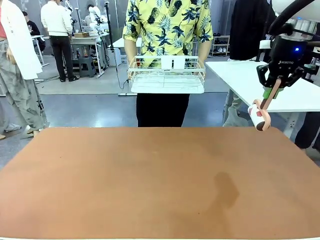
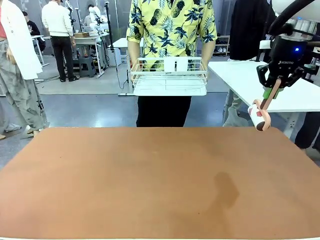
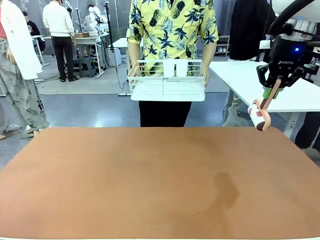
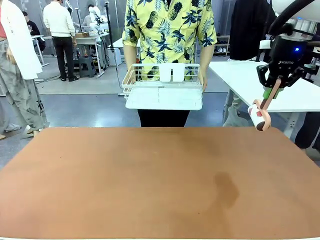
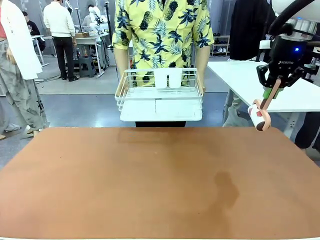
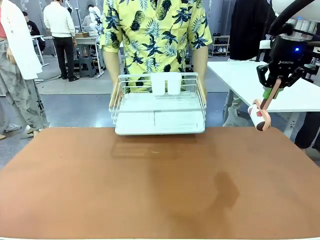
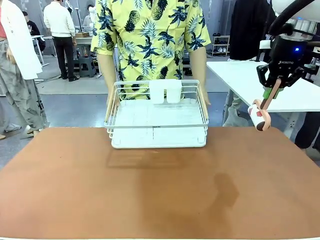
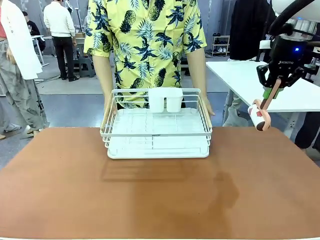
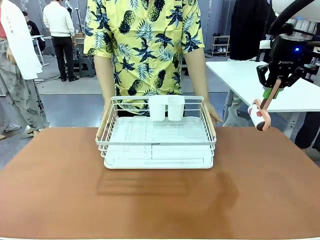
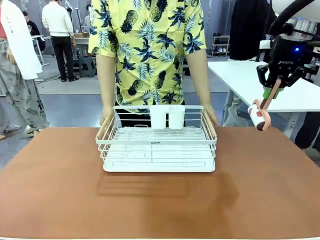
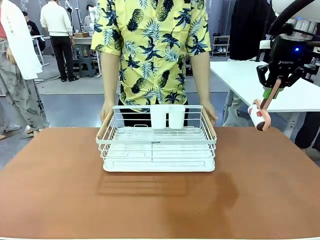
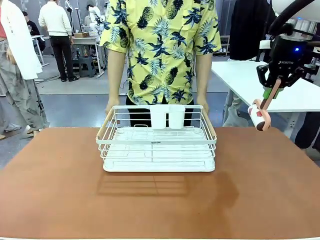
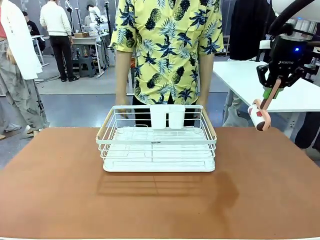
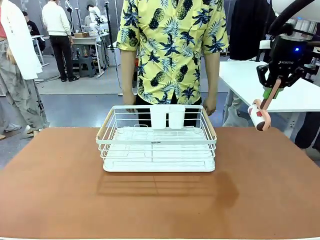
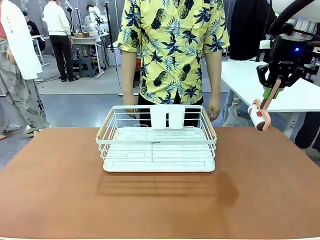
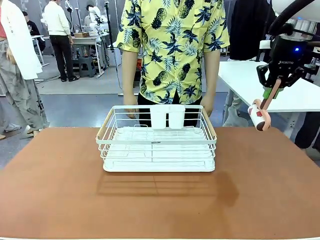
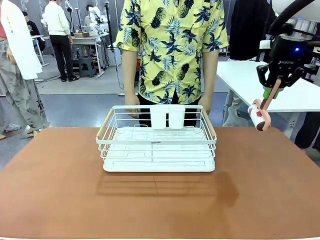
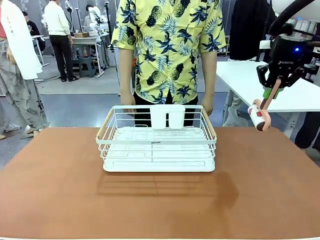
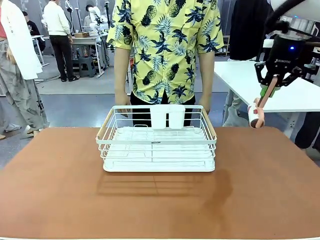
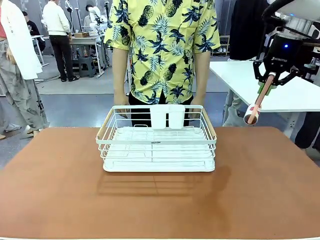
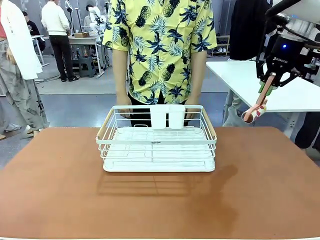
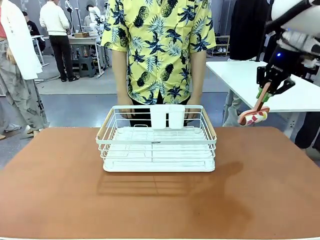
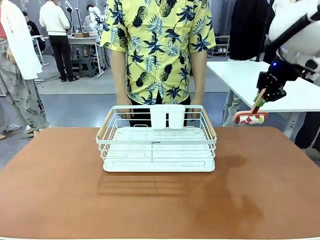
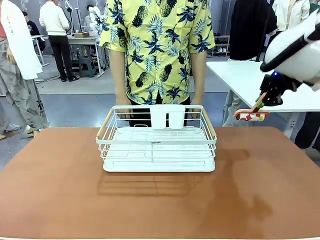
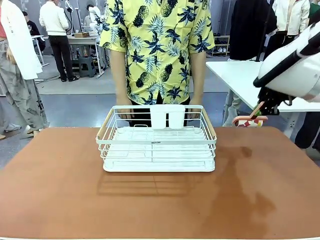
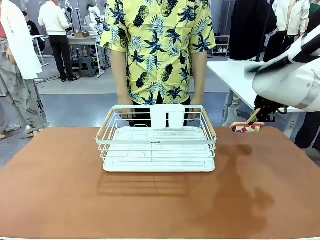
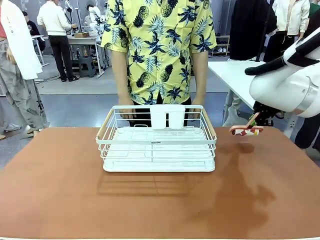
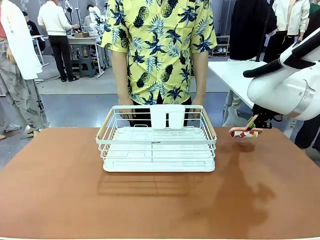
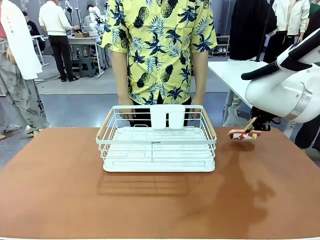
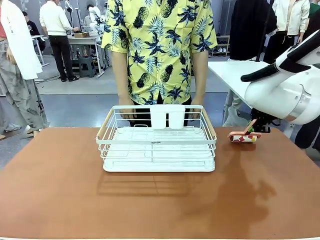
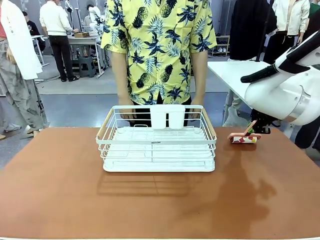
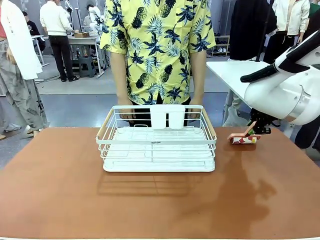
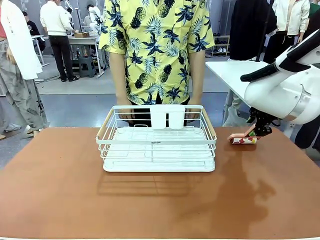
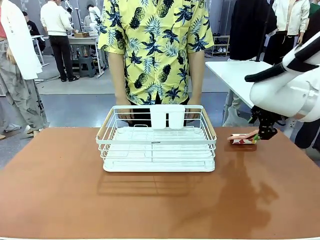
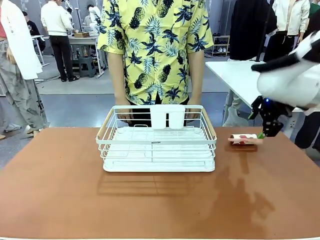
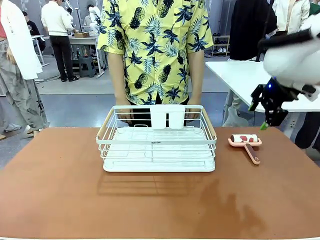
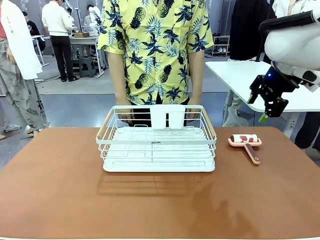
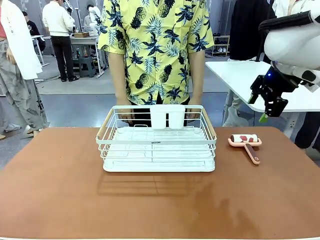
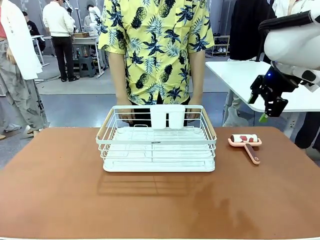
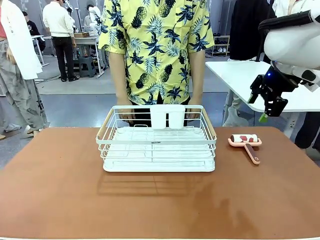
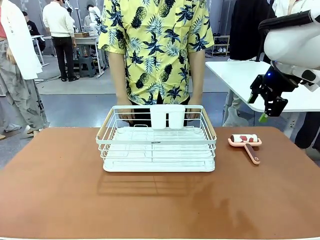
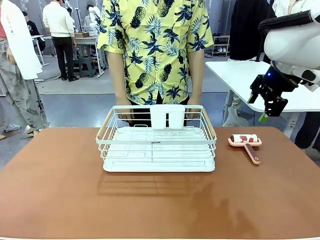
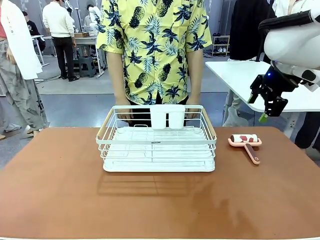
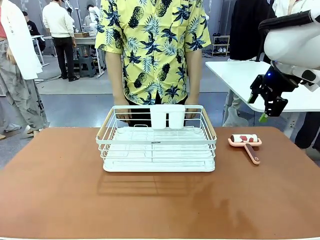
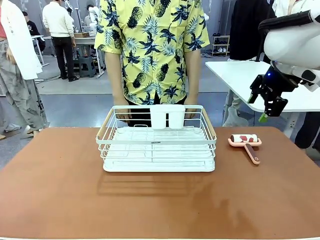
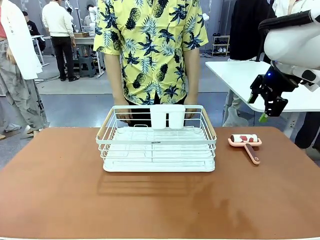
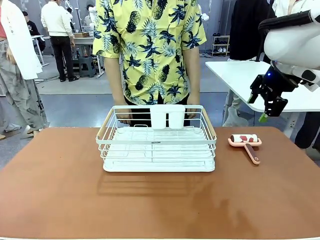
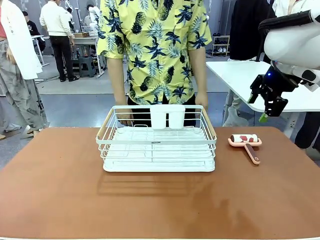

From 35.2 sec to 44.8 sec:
Task: Clean the table.
Robot: Place the Lint Roller down when the Dish drying rack is positioned in the middle of the table.

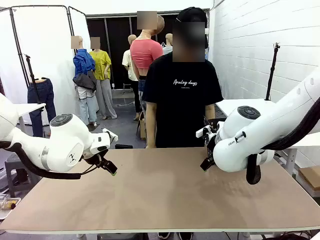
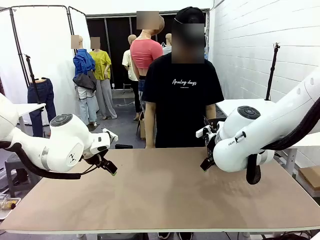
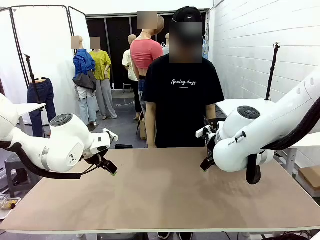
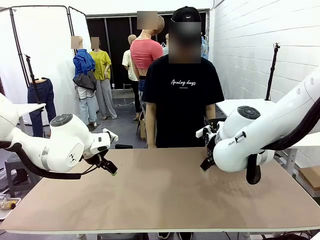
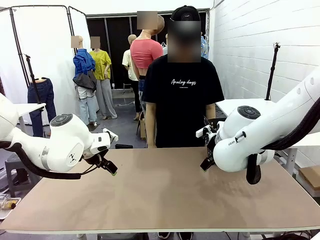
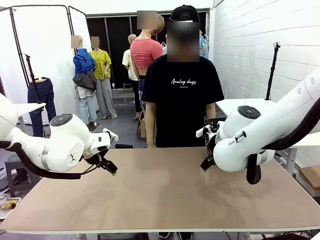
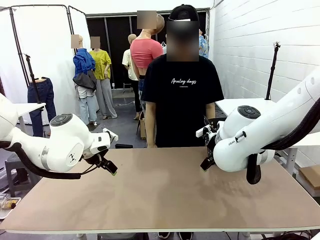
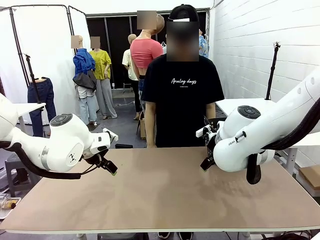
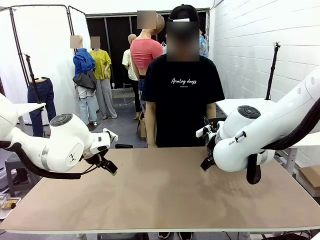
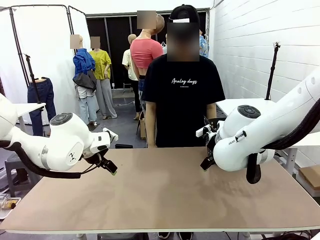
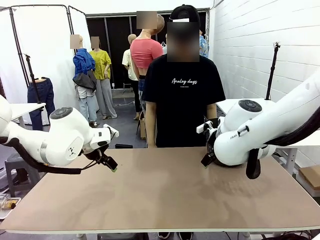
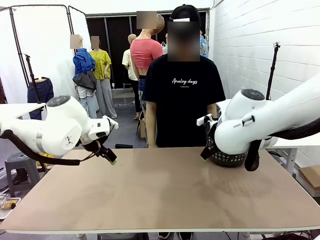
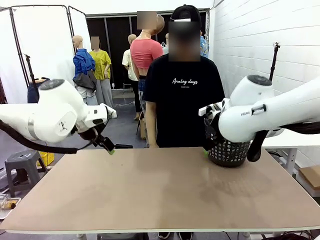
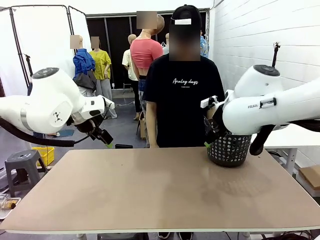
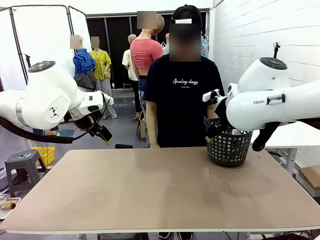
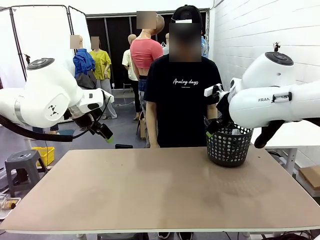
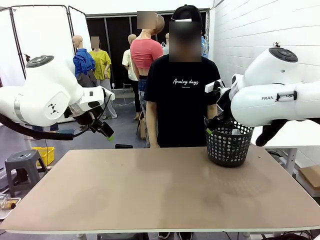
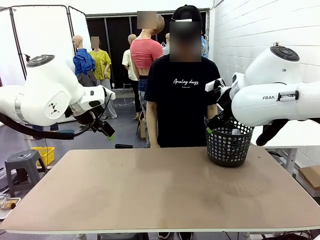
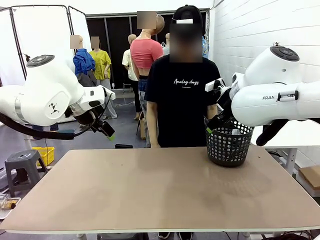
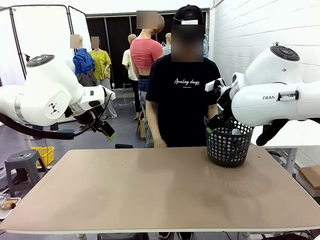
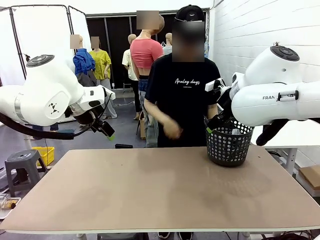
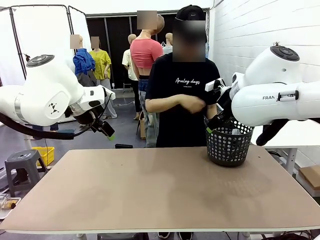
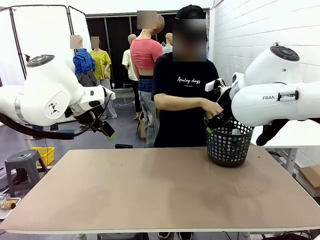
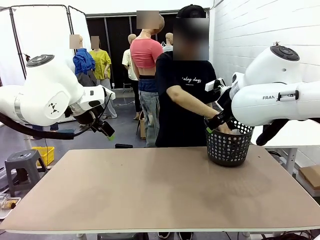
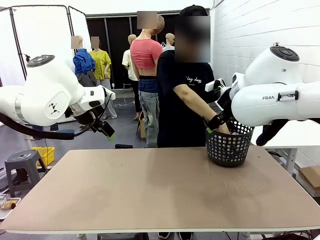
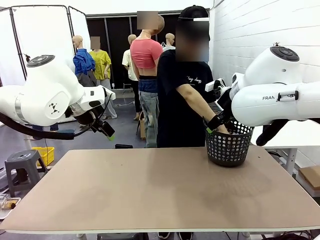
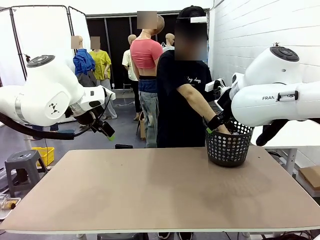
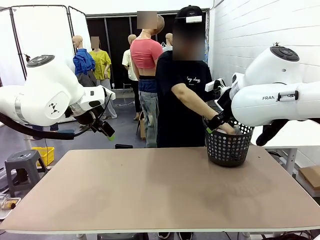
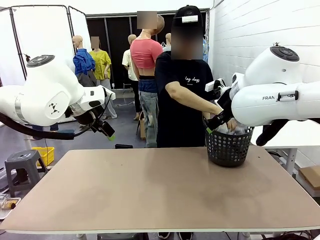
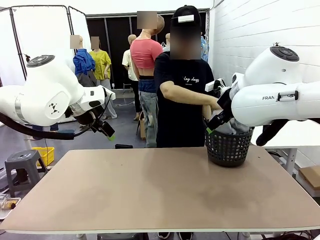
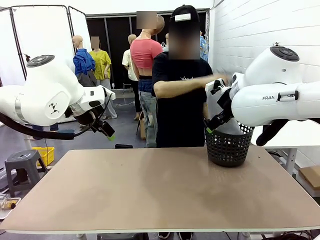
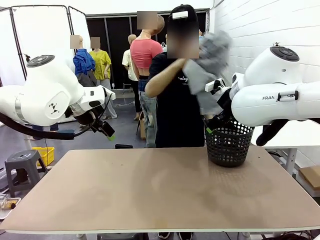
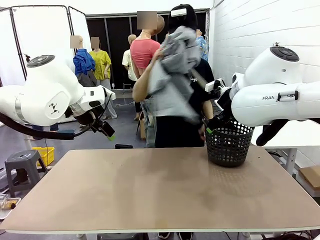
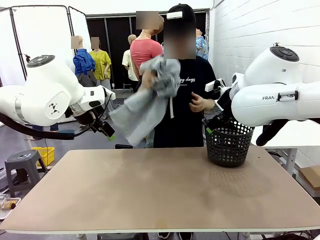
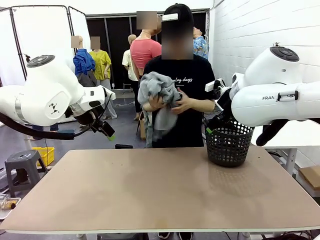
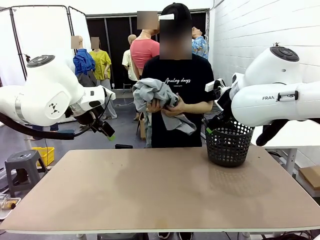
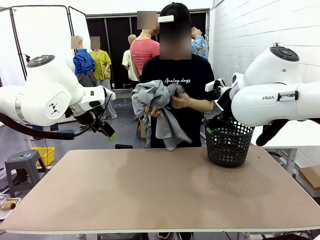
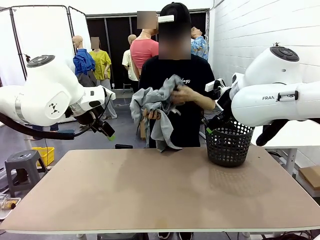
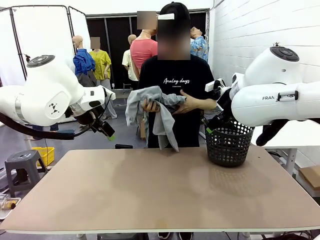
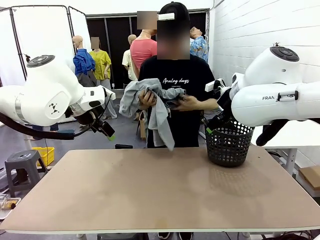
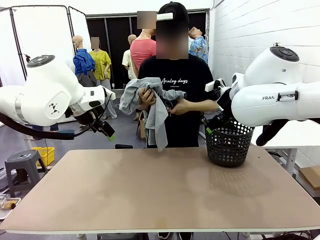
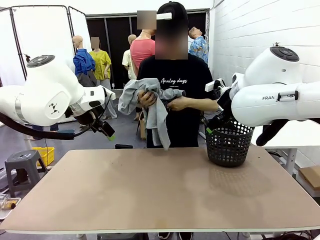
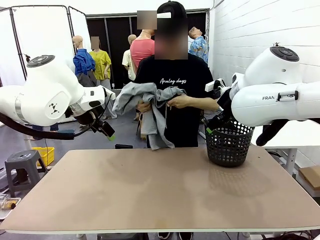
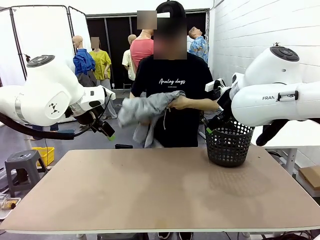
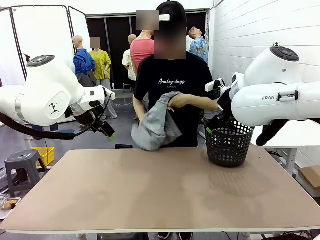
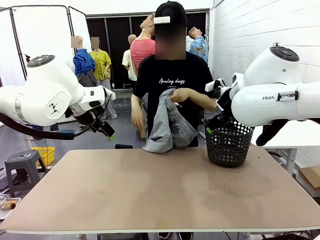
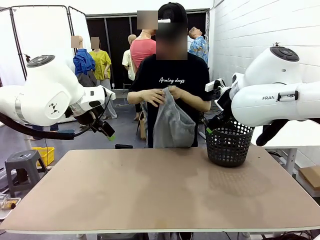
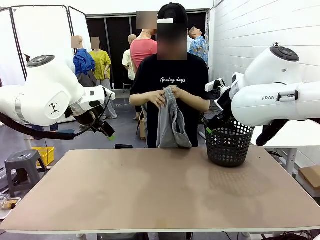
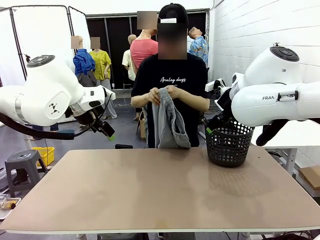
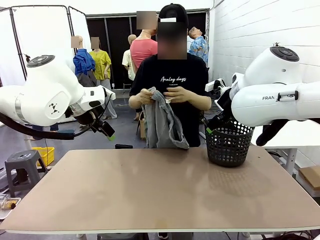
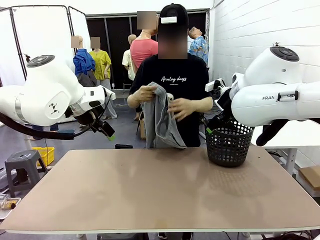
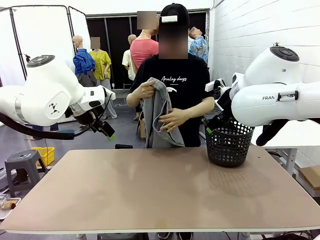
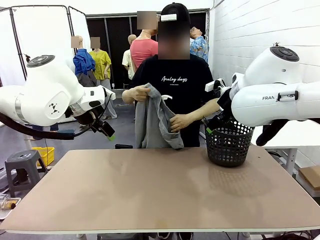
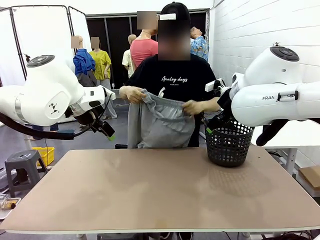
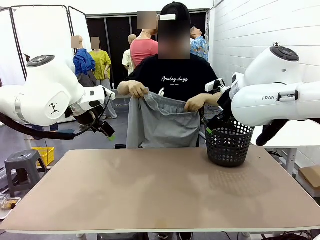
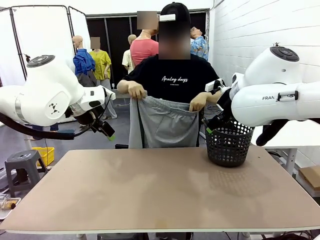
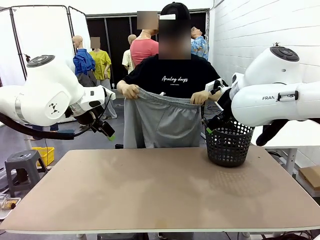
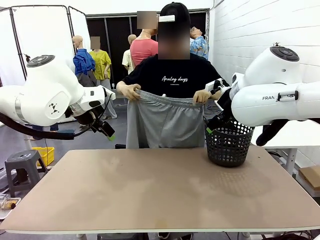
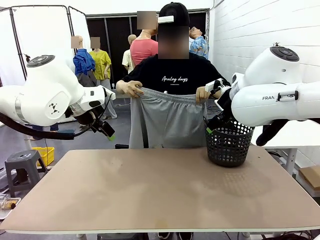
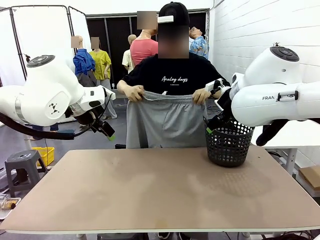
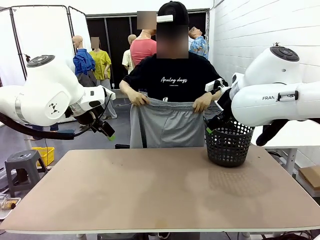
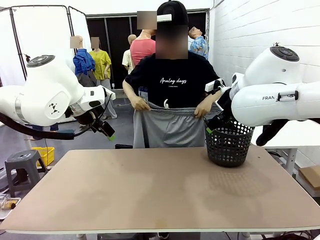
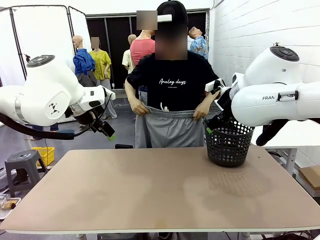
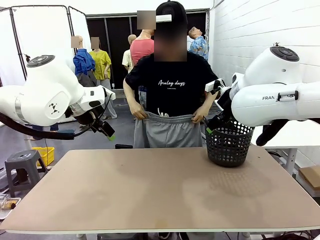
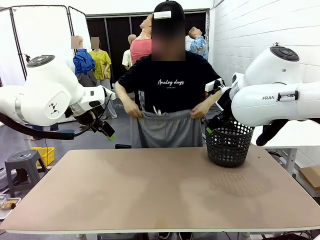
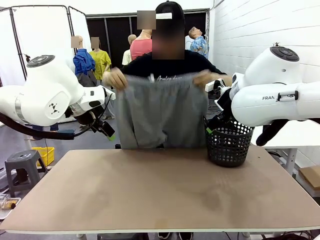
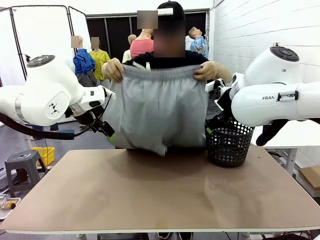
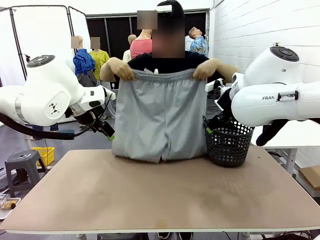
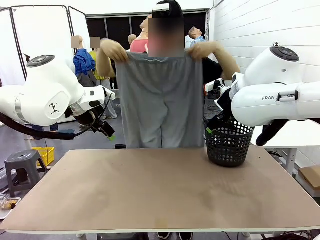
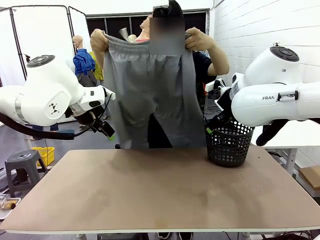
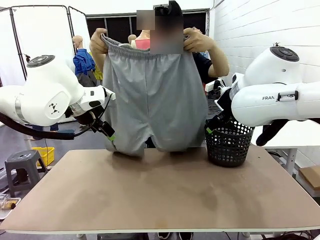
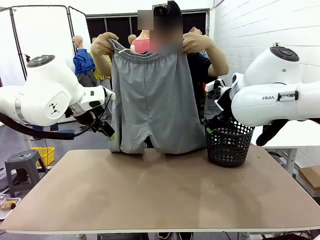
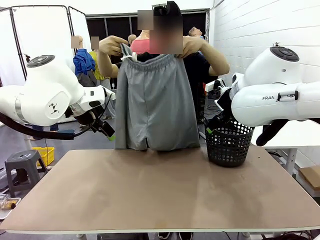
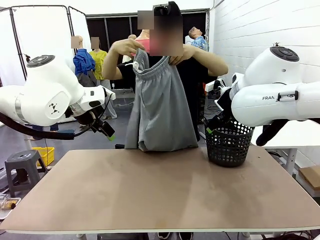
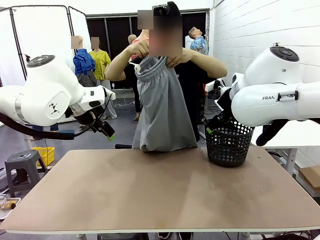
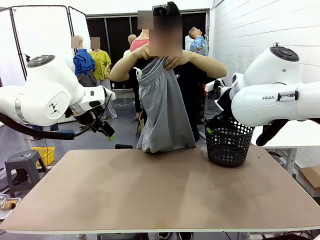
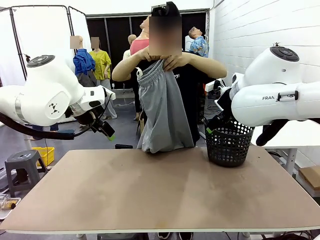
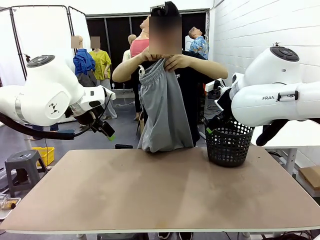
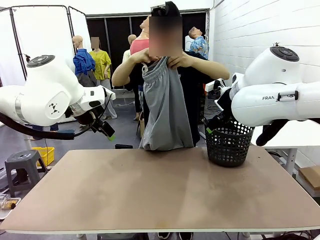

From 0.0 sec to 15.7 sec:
Task: Fold the training pants.
Robot: Grab both ends of the Training pants handed by a person.
Person: Take the long pants out of the laundry basket, unfold them, fold the waist in half, and extend them so the robot can pick up both corners.
